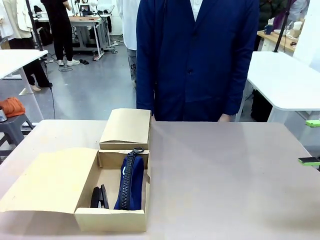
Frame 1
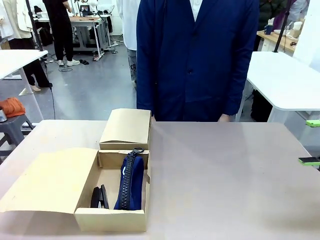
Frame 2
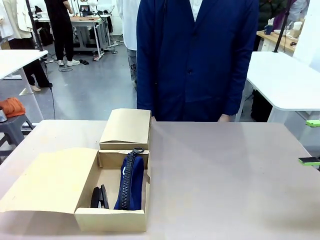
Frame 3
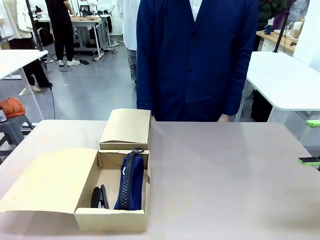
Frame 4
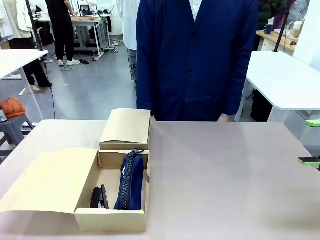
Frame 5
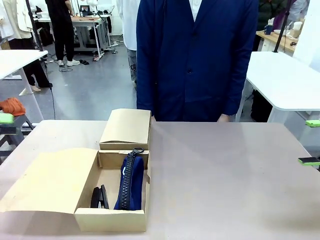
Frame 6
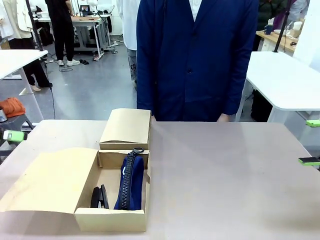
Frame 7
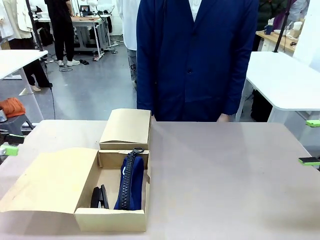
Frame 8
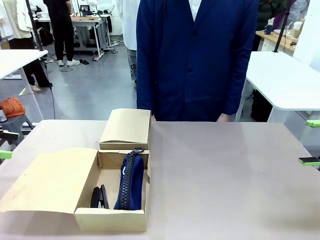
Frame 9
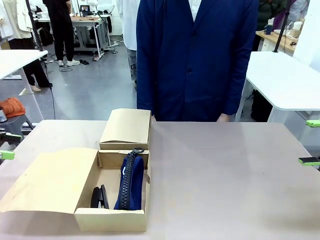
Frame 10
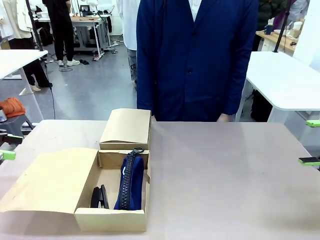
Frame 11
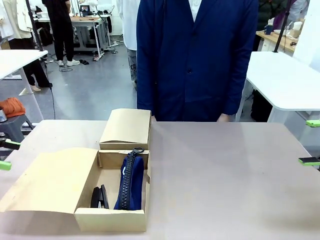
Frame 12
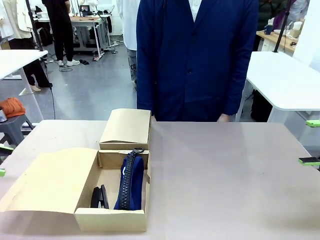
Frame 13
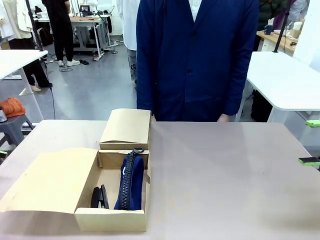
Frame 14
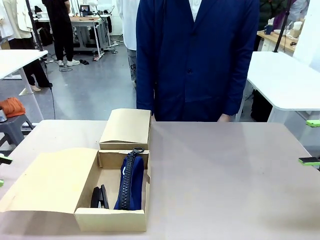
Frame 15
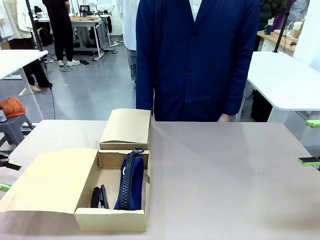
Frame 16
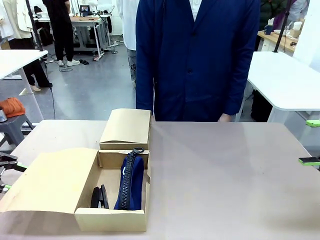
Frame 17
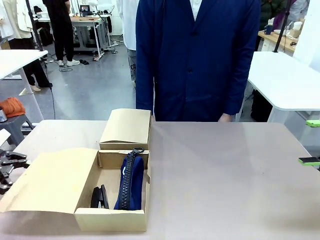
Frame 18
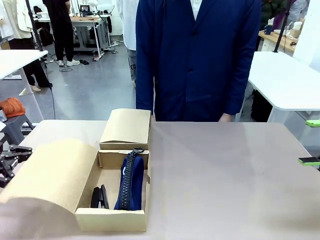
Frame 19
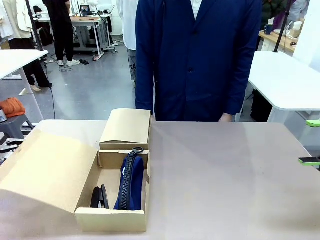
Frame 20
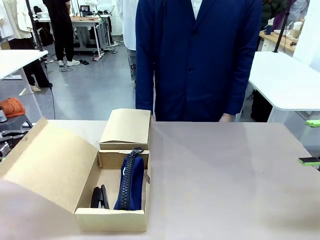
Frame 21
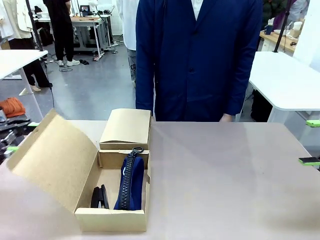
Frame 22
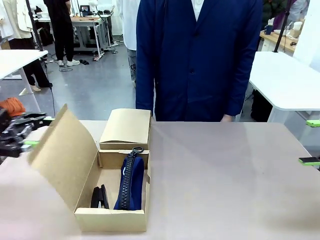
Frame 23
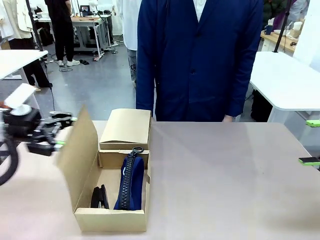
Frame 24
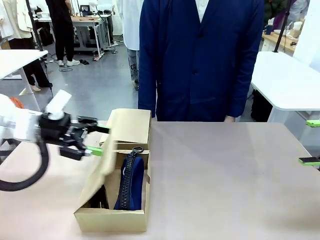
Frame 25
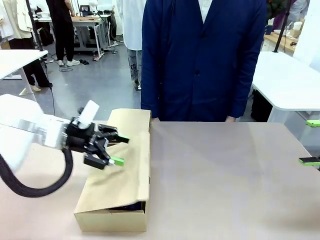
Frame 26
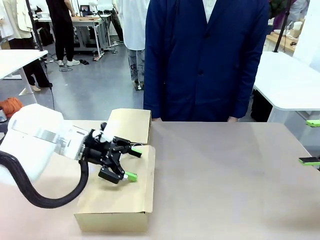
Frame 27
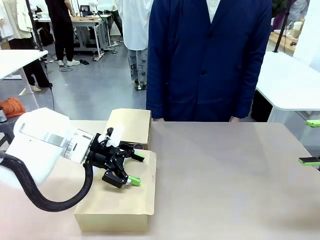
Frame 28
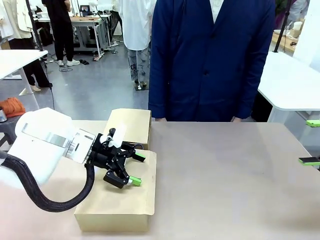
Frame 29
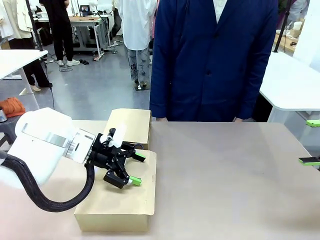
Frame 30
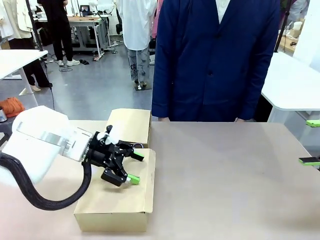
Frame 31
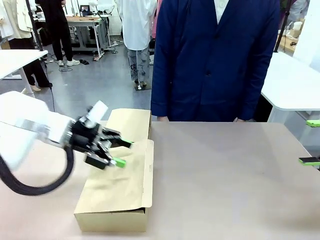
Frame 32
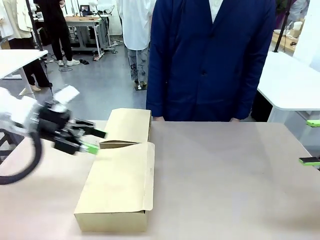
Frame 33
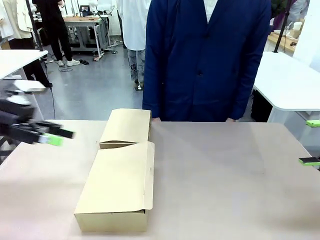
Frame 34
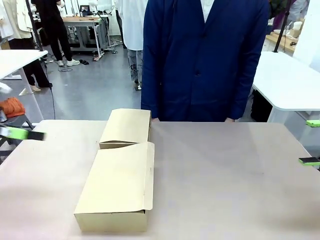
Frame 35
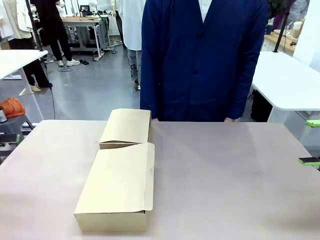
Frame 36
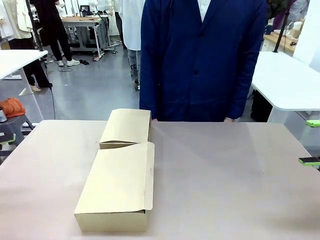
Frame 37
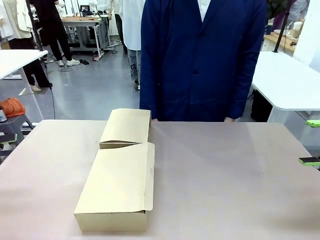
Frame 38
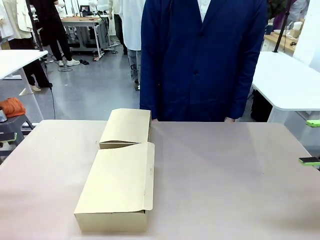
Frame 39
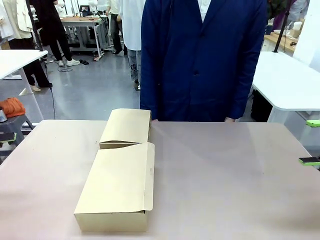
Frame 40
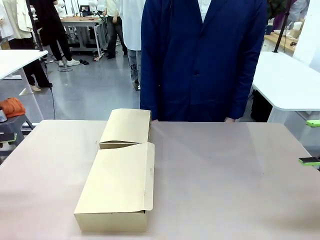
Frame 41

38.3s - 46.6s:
Task: Place items inside the box.
Robot: Close the lid of the Mailer Box closest to the robot.

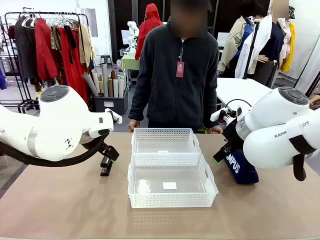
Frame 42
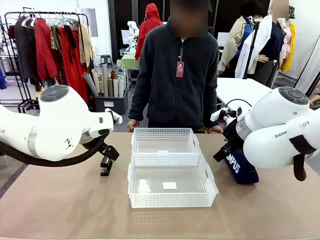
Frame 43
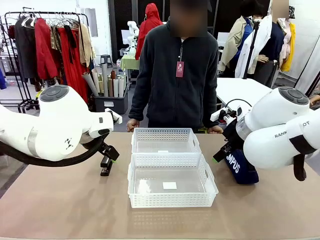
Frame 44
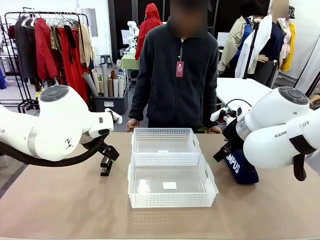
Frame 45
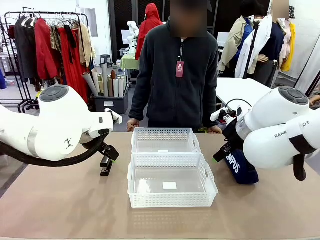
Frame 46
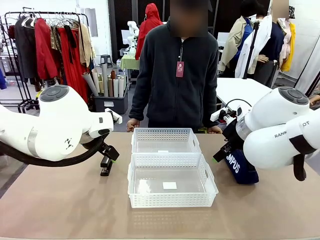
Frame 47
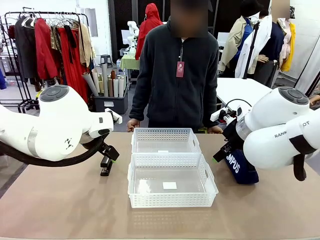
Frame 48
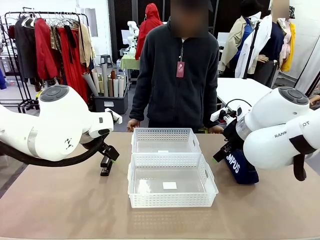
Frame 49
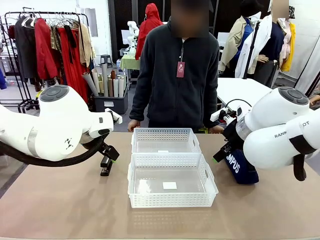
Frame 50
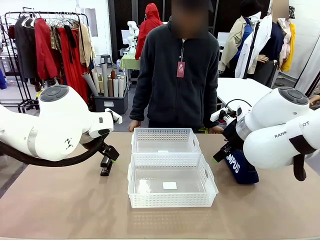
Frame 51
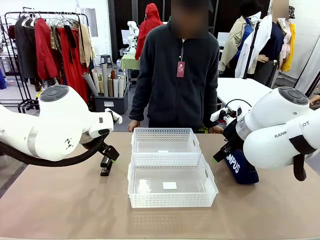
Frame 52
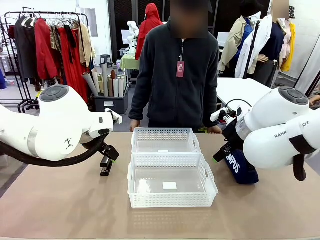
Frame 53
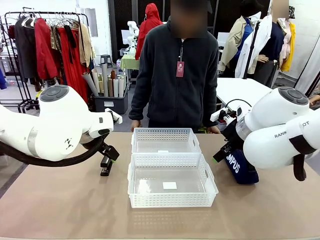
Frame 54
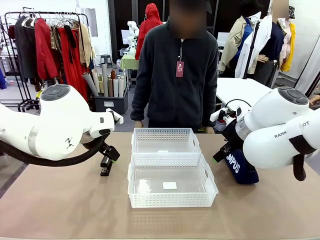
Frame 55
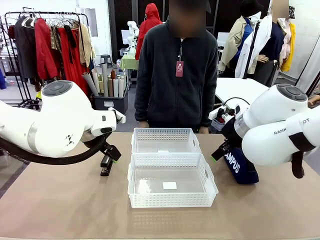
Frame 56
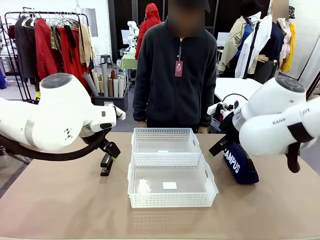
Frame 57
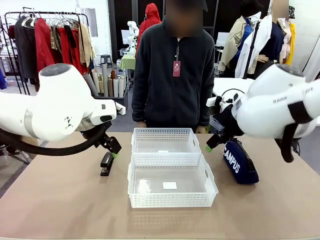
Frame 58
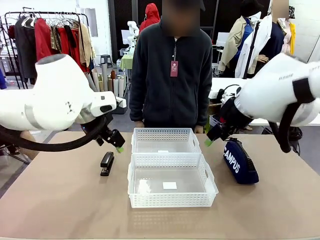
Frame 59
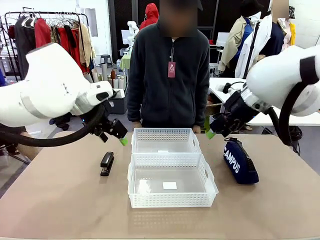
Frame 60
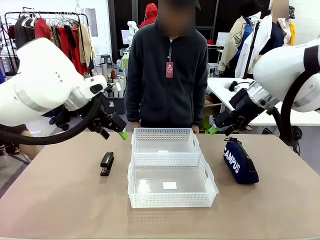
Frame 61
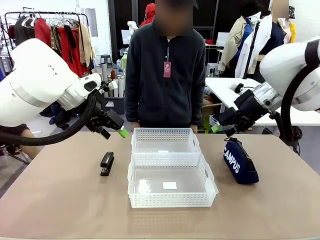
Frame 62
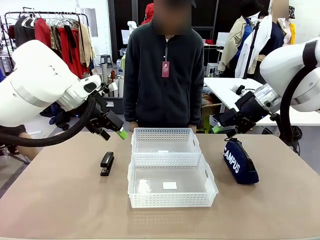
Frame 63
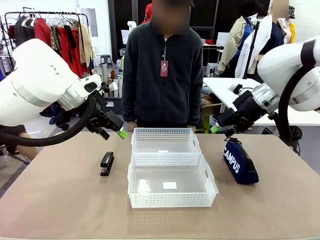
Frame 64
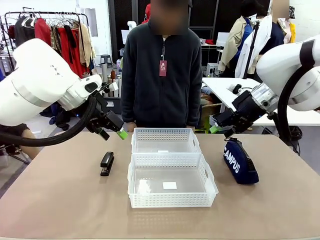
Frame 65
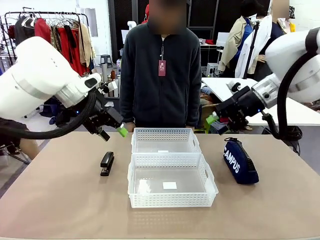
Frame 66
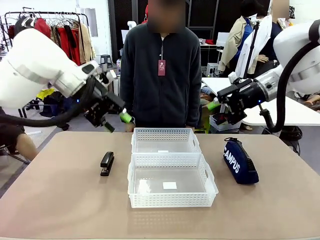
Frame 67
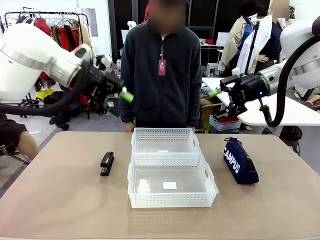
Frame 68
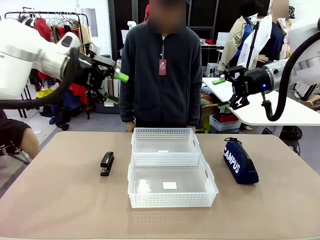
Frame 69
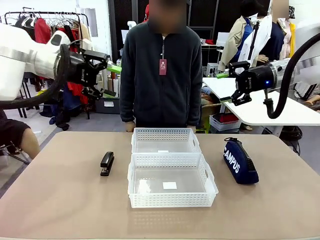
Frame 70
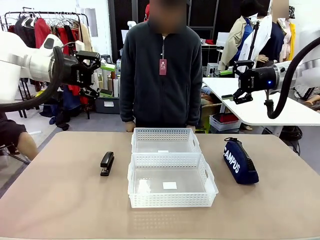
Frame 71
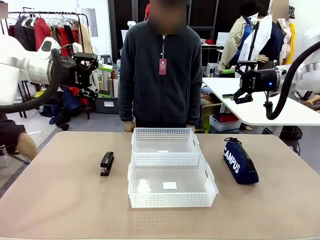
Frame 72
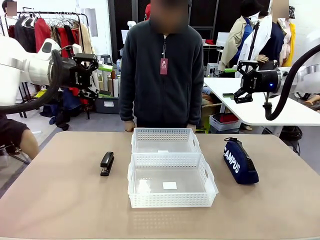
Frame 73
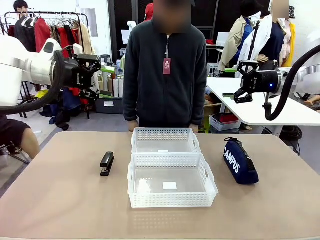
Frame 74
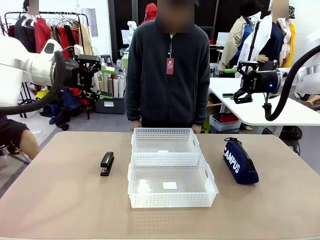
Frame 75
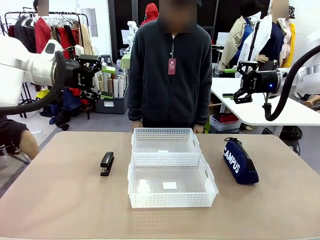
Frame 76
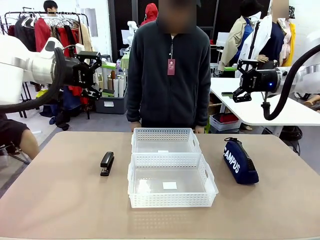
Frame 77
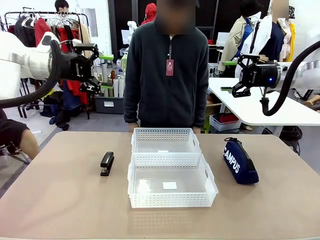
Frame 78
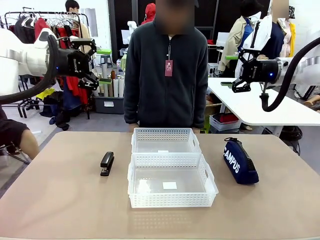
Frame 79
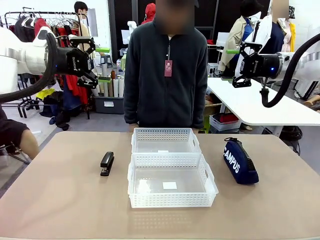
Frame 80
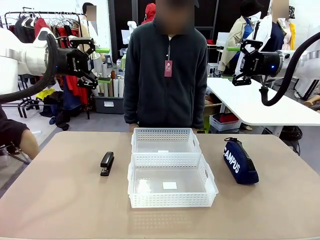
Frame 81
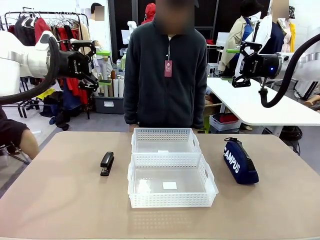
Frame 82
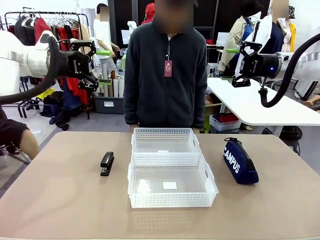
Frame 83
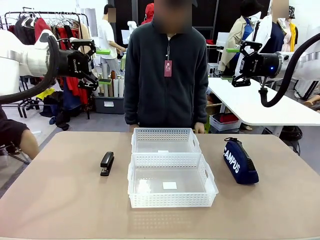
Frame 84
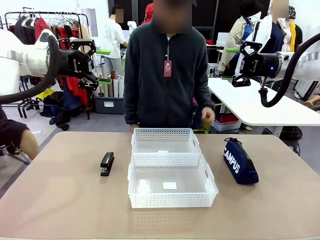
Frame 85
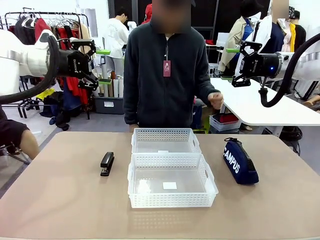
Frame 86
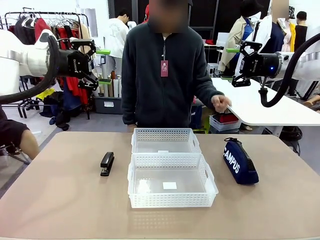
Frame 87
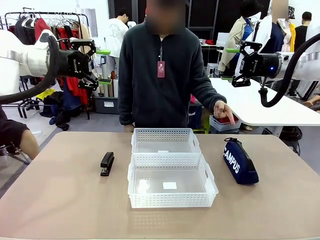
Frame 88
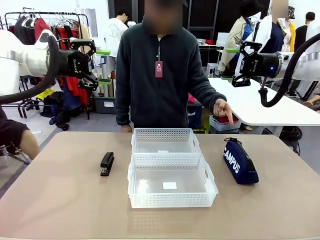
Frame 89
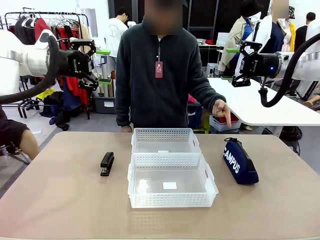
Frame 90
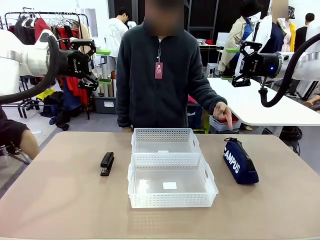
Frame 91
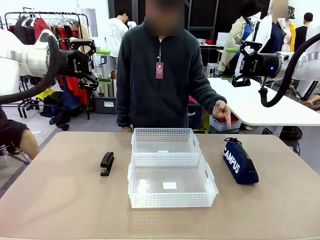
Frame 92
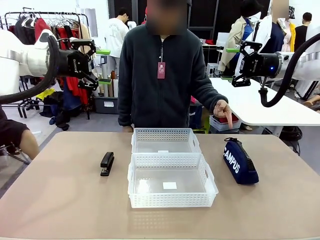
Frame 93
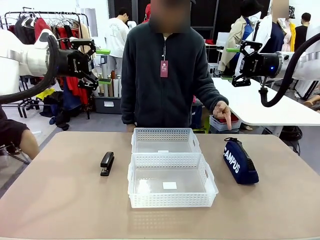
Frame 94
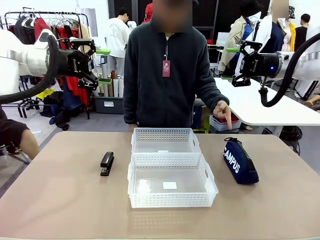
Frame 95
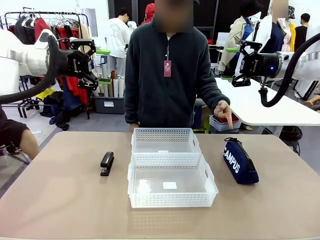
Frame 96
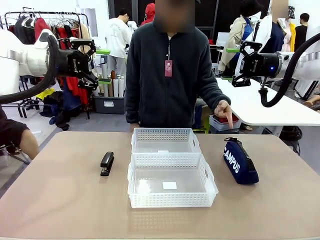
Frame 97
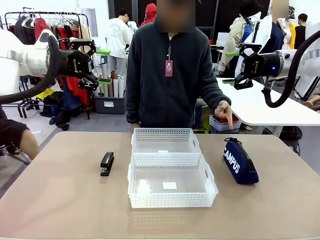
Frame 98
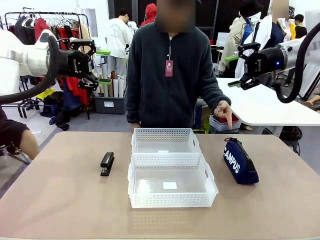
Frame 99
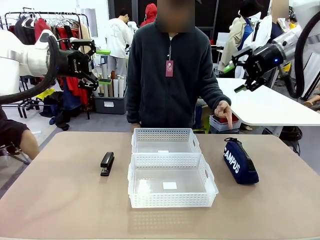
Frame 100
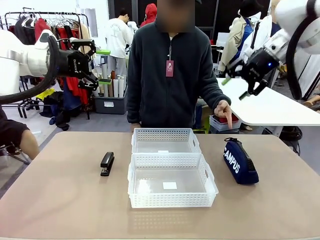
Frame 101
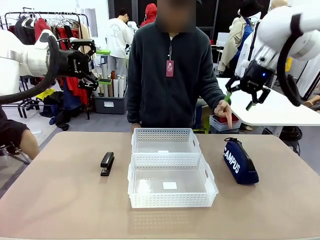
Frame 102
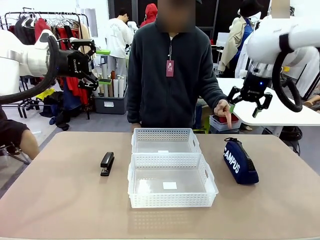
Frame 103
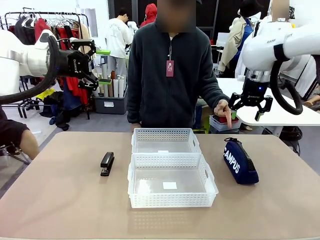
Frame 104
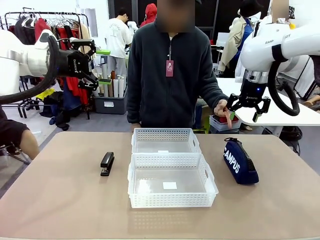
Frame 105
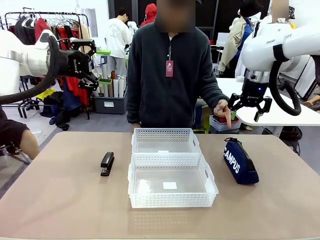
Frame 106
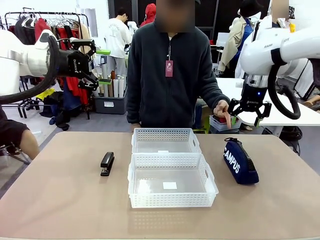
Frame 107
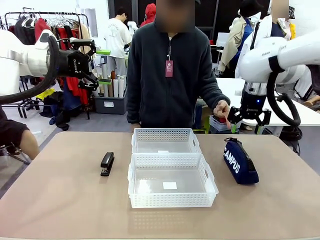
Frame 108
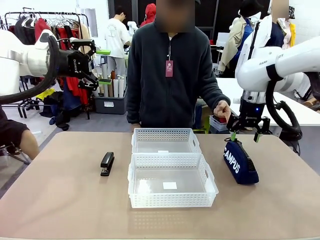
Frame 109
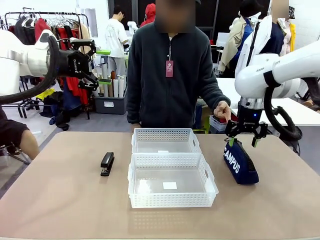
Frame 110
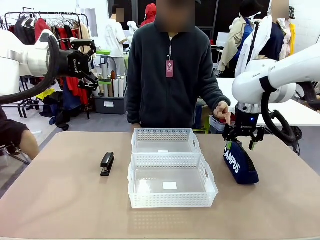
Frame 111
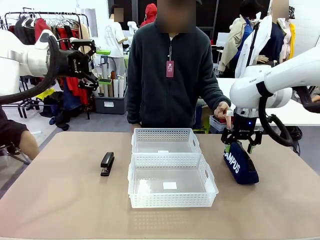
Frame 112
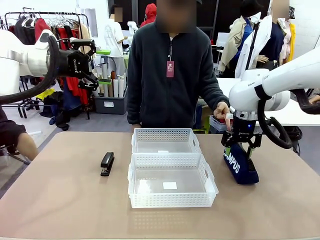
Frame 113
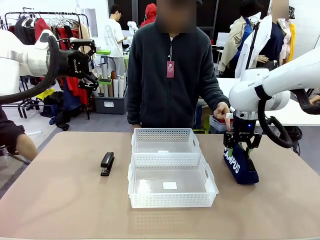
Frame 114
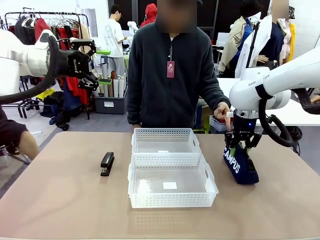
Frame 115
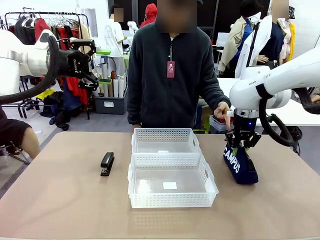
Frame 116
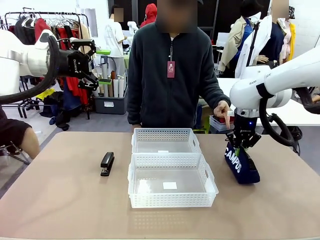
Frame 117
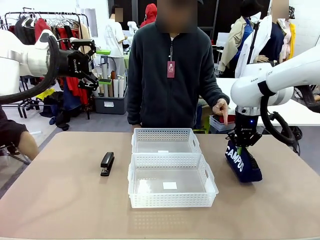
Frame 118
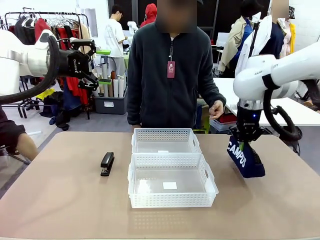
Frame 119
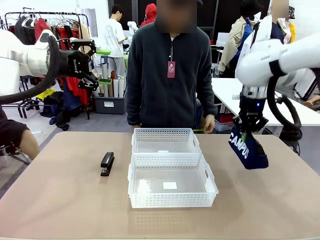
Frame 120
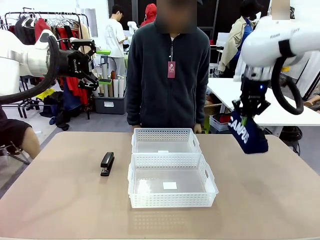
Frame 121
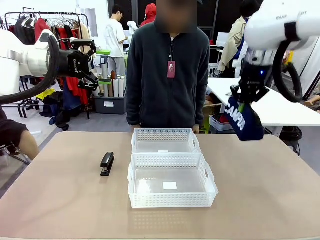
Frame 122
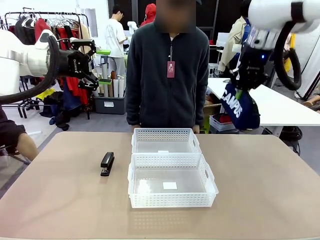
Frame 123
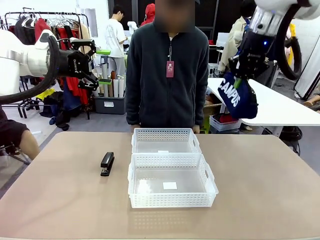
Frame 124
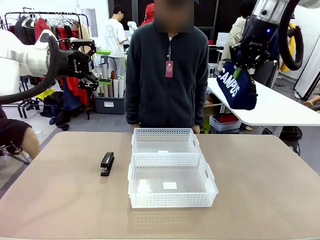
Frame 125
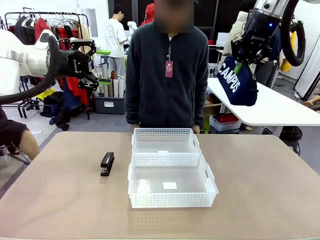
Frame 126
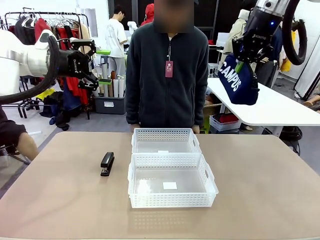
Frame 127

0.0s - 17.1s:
Task: Distribute items into two baskets.
Robot: Pick up the Pencil pouch that the person points to.
Person: Points to the pencil case. Points between the two organizing baskets and instructs the robot to move the pencil case.
